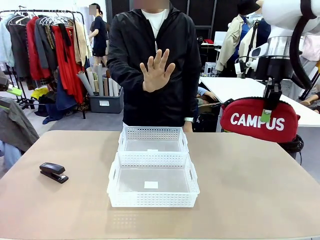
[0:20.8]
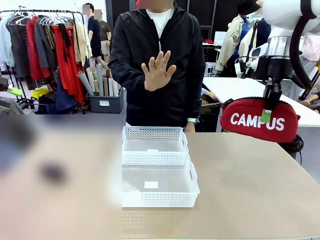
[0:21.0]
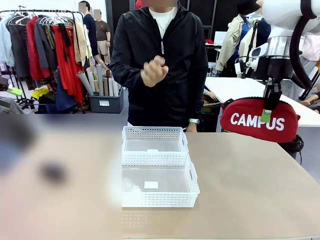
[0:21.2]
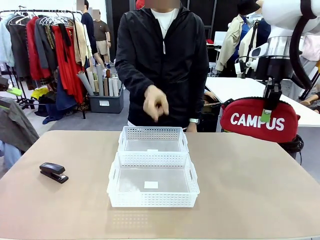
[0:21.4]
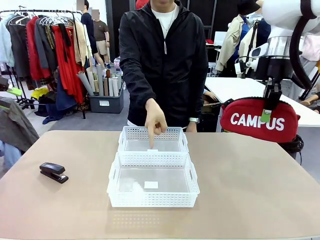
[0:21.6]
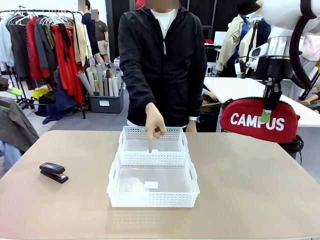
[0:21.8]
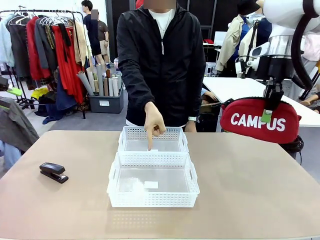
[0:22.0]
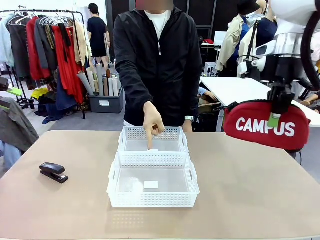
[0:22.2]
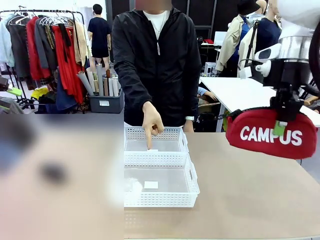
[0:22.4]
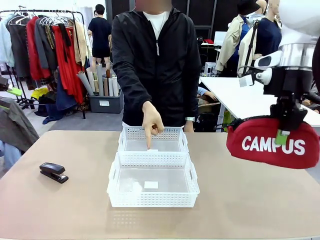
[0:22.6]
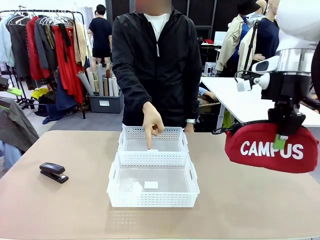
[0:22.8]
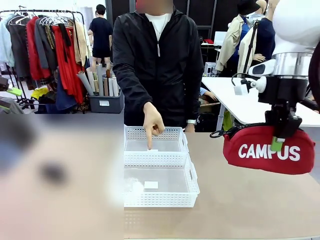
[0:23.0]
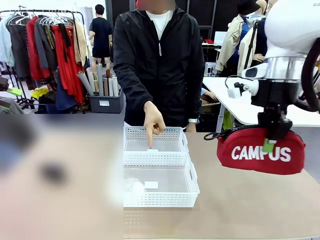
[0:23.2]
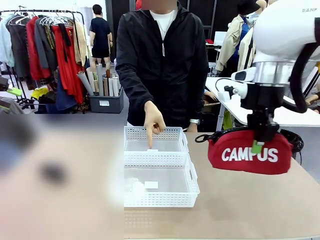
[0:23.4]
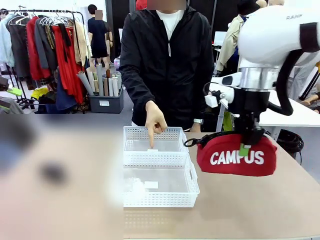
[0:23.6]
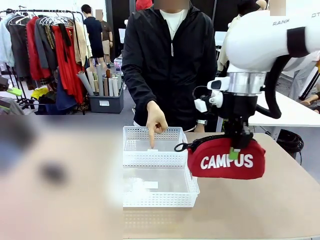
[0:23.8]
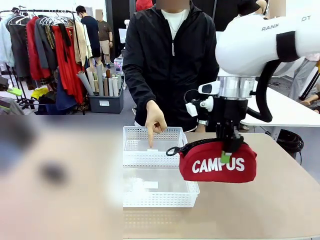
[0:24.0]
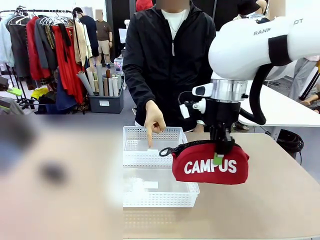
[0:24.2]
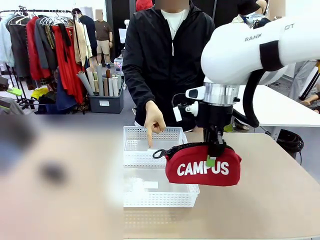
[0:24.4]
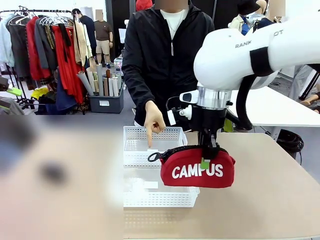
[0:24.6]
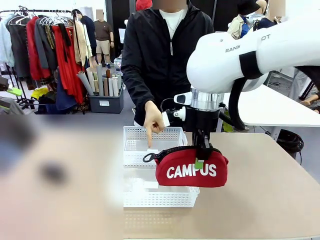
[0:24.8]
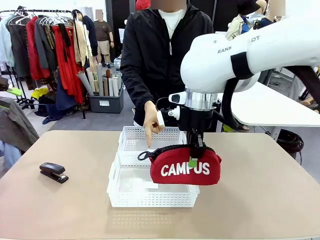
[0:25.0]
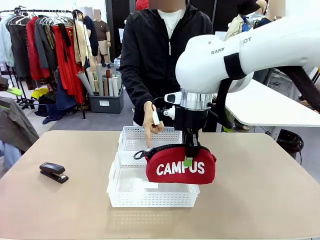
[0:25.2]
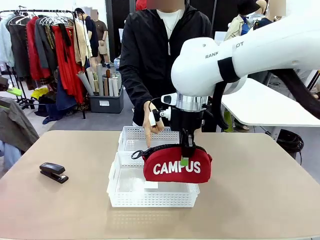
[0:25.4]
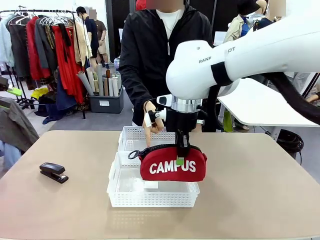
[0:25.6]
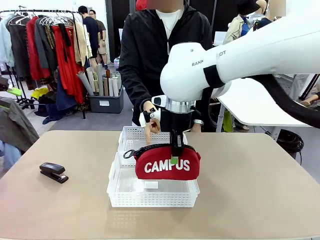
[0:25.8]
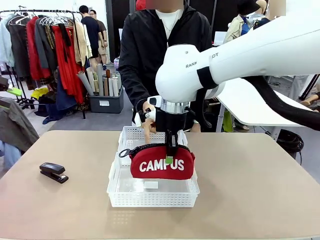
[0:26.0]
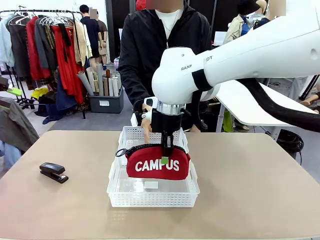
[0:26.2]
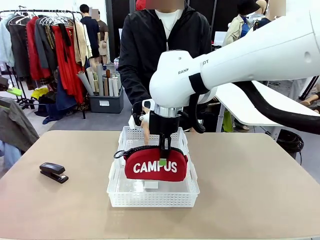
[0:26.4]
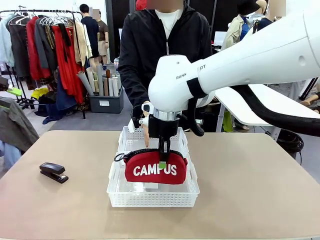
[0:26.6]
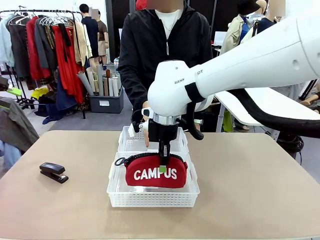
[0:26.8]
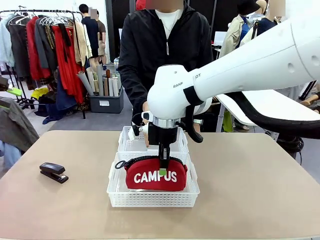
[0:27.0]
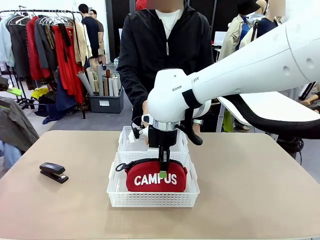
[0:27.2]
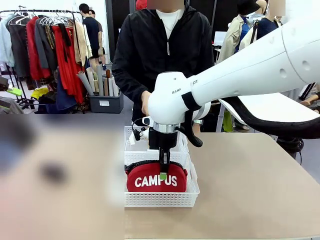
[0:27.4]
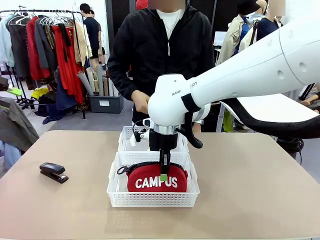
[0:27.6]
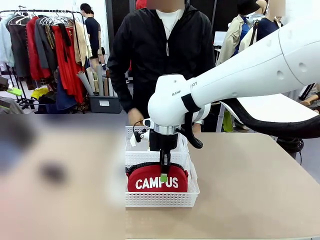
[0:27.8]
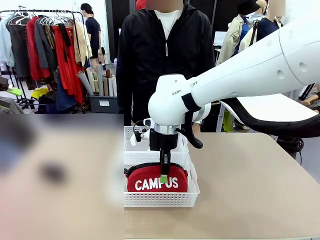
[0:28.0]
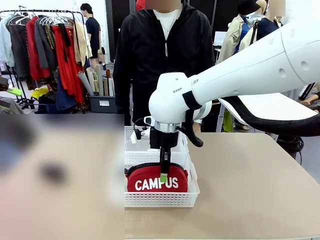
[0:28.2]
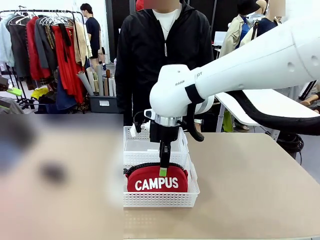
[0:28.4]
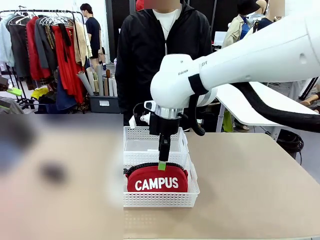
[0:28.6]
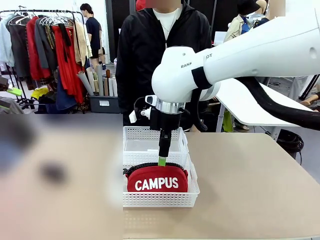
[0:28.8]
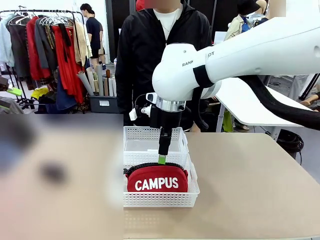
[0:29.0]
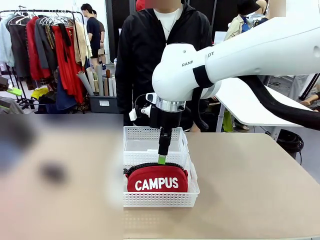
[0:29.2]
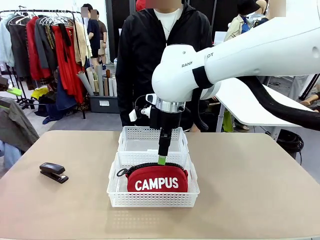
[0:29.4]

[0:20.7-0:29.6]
Task: Distribute items into two baskets.
Robot: Place the picked Pencil pouch into the Organizing basket as instructed by the person.
Person: Instructs the robot to place the pencil case into the opposite basket. Points to the stapler.

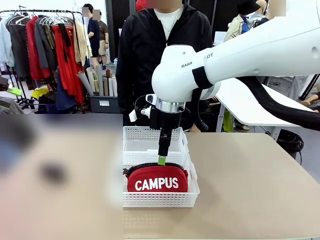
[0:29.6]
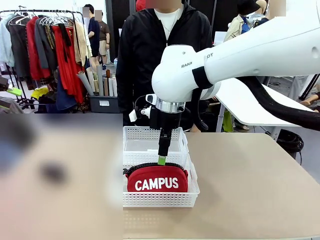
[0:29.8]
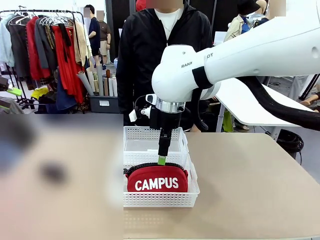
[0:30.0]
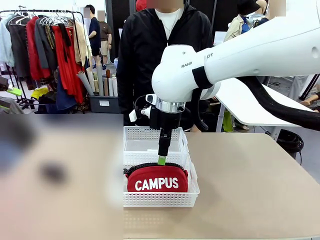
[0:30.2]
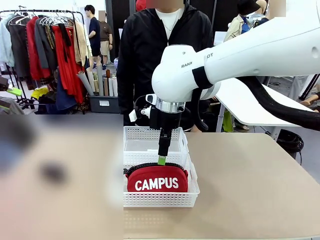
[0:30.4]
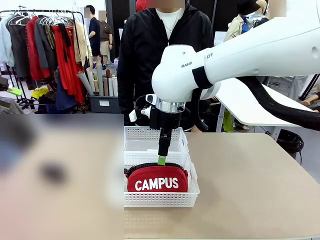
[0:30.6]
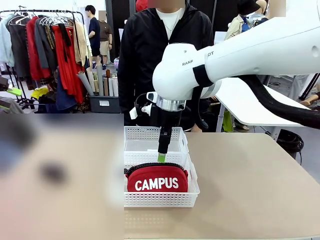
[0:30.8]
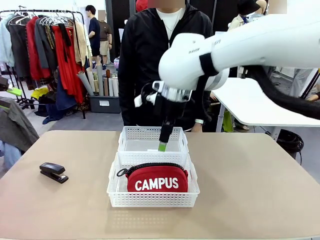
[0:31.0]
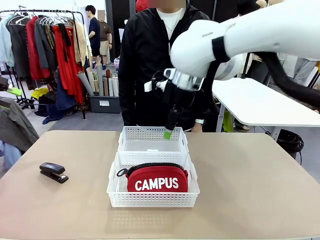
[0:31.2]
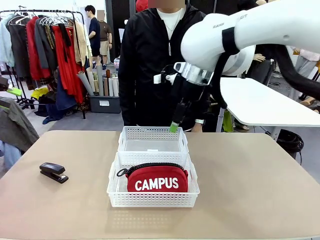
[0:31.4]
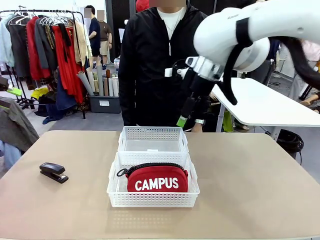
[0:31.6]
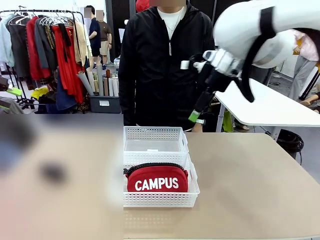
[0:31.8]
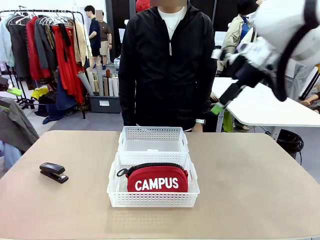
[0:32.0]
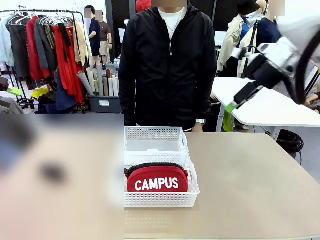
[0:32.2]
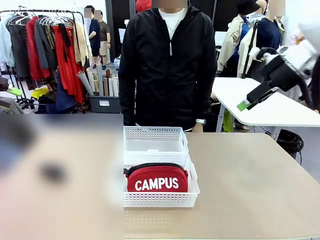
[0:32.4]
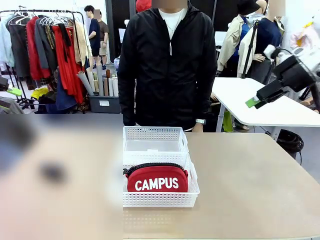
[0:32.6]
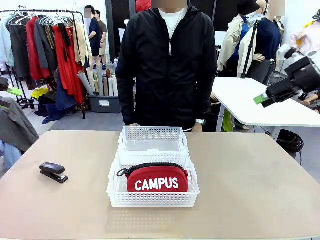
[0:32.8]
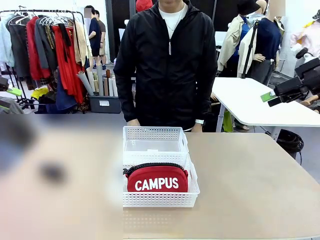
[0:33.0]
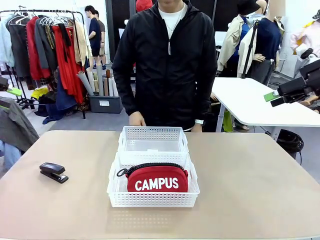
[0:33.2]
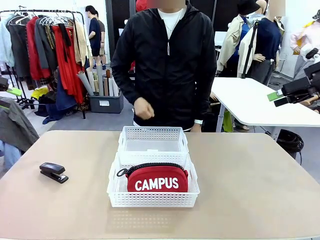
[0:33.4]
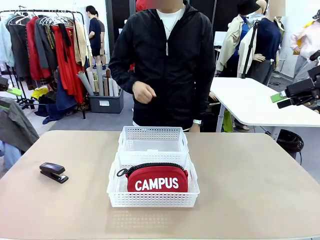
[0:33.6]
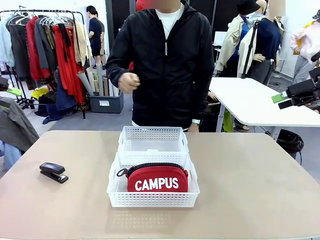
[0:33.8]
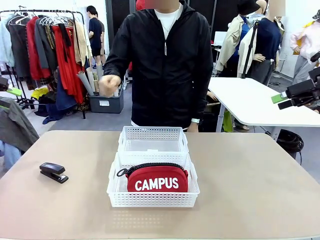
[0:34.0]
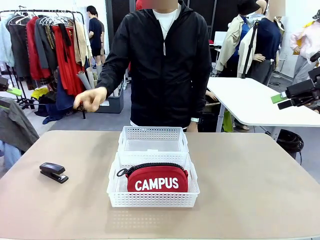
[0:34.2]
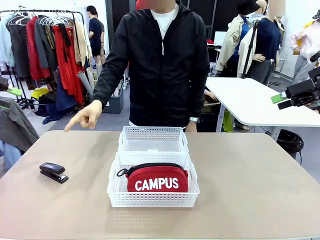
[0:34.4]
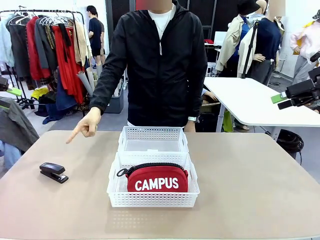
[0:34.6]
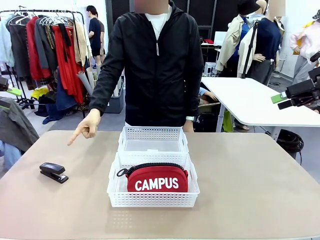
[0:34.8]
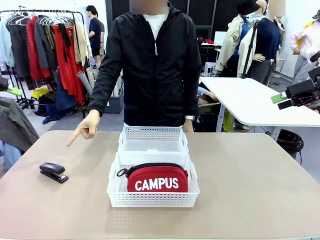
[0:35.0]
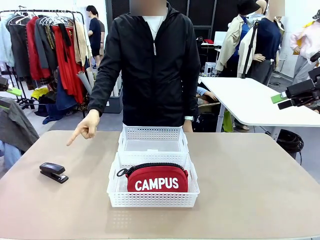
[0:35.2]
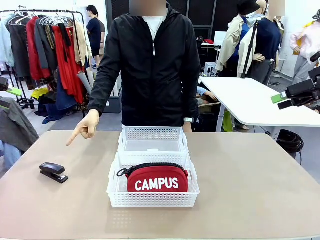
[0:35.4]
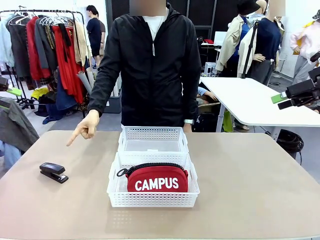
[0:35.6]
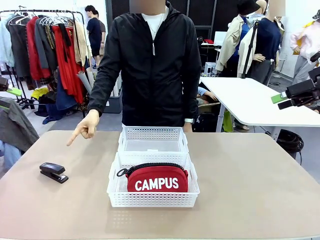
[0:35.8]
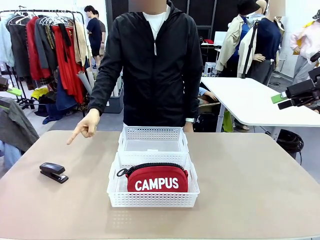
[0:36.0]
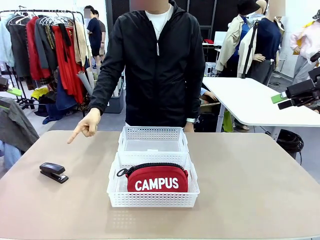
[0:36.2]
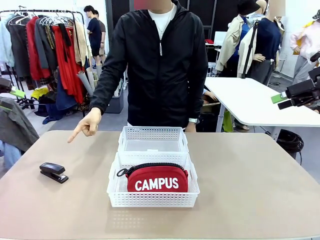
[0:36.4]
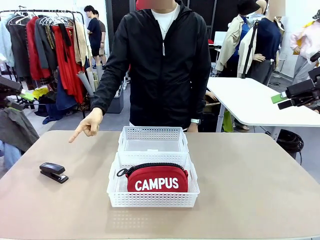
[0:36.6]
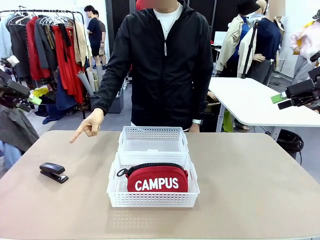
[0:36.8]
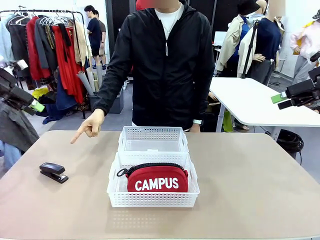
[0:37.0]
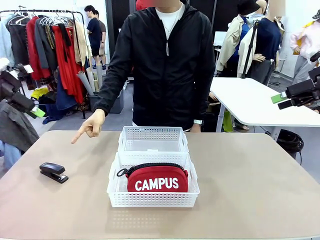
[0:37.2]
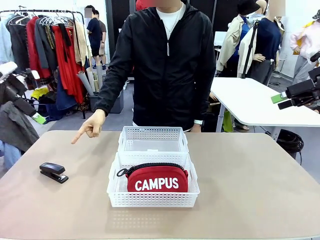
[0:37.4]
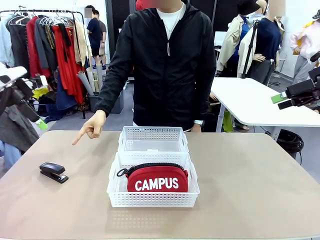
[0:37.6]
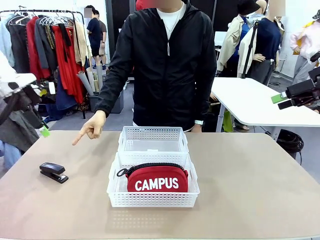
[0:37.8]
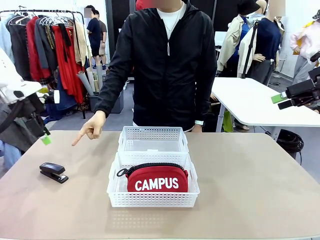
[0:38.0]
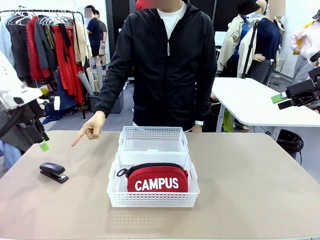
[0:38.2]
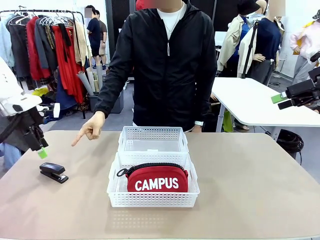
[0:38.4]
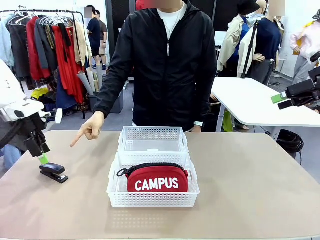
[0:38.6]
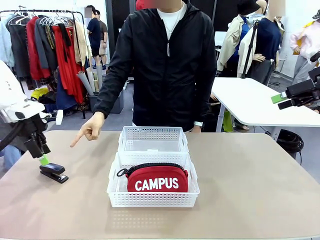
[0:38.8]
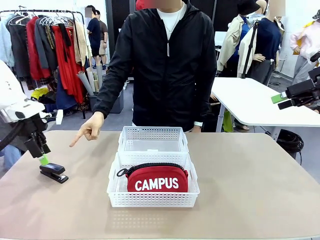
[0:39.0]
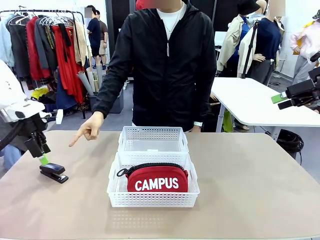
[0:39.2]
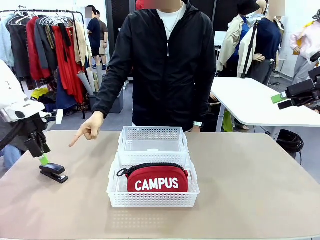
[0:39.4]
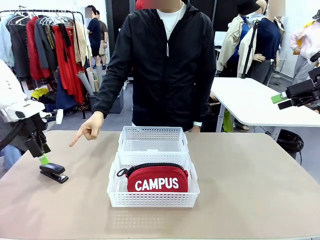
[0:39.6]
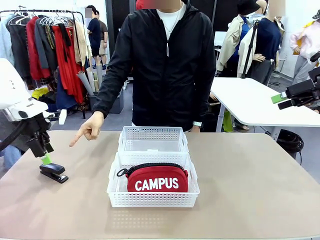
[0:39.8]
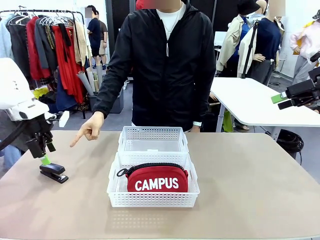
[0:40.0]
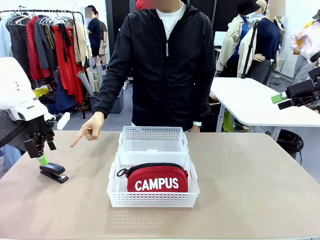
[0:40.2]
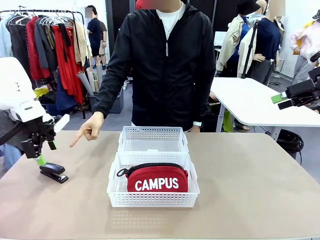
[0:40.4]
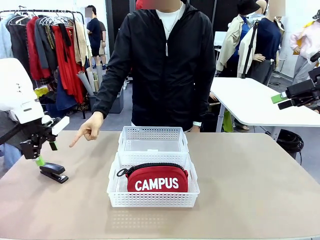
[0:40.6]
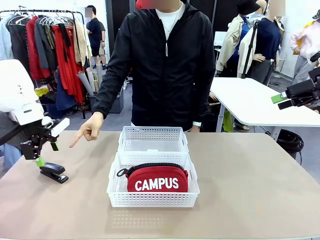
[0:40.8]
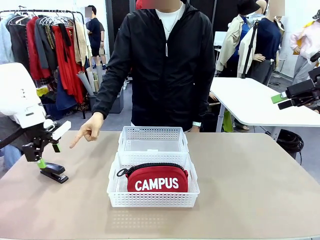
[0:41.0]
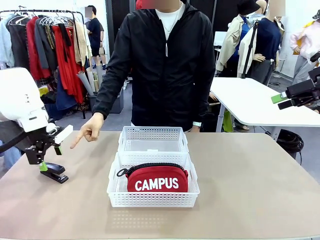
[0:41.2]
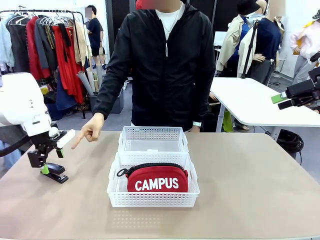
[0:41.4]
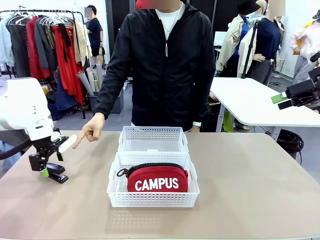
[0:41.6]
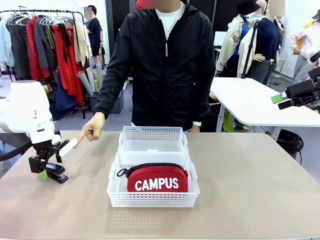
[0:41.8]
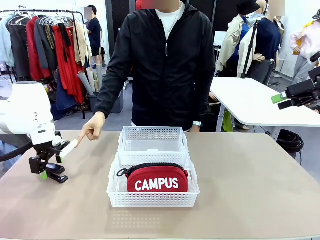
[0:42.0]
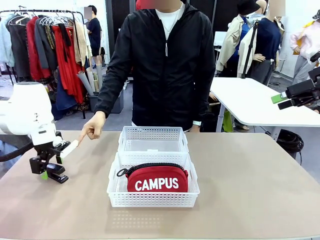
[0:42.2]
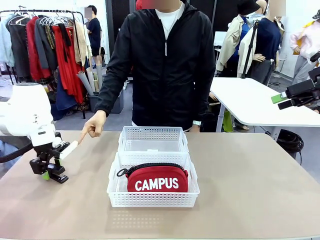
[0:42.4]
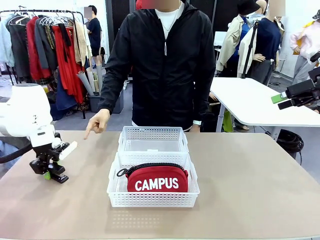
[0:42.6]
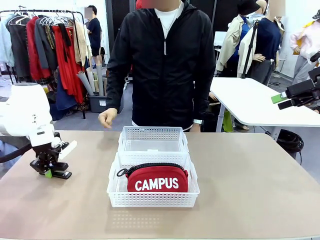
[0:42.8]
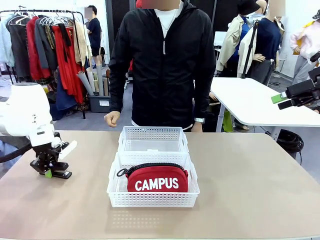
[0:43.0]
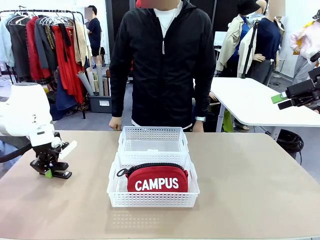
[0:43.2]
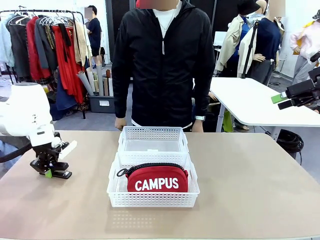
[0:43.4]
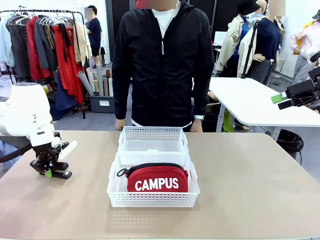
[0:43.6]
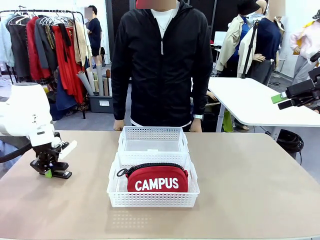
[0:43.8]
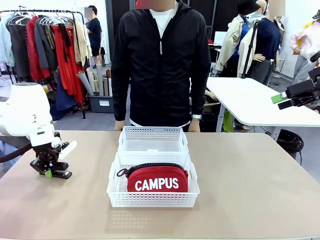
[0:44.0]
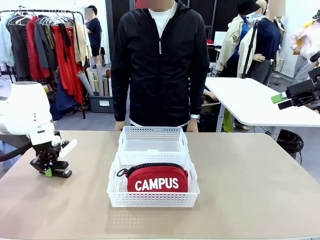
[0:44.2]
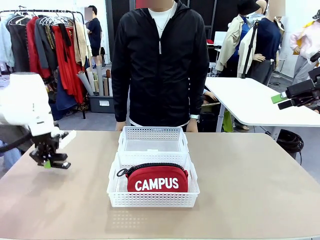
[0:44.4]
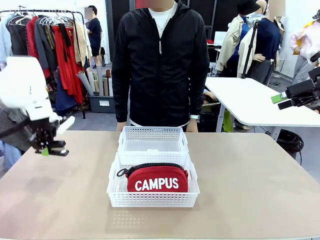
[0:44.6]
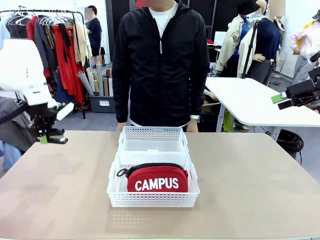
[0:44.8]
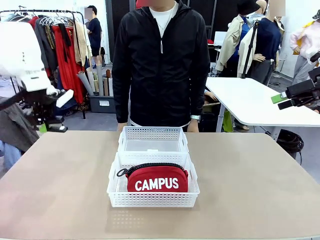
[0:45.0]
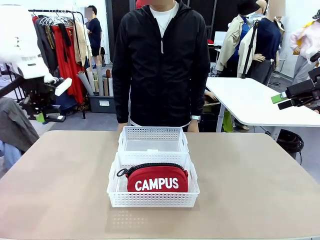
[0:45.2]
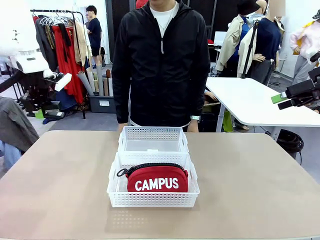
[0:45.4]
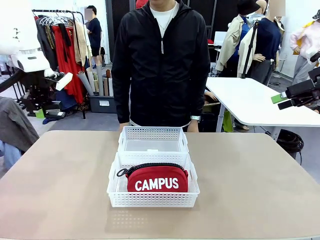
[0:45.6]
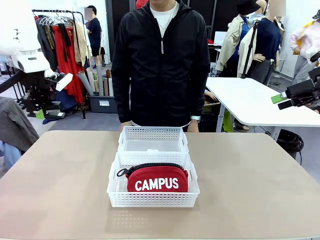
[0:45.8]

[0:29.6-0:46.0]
Robot: Pick up the Stapler that the person points to.
